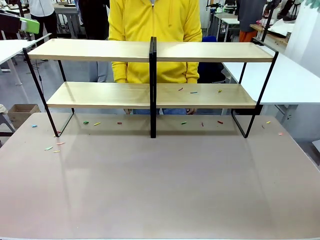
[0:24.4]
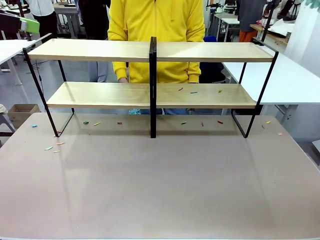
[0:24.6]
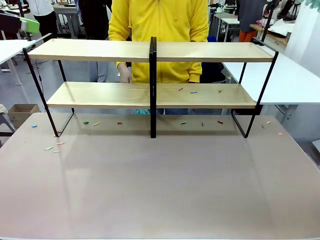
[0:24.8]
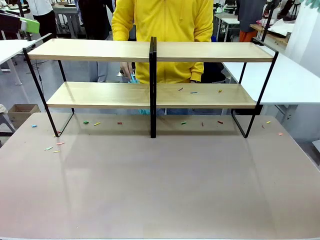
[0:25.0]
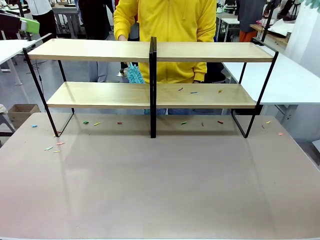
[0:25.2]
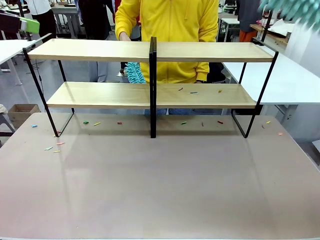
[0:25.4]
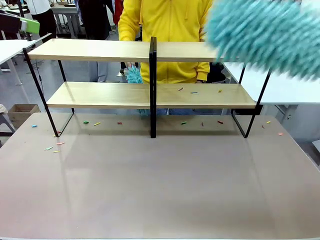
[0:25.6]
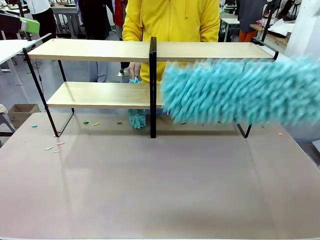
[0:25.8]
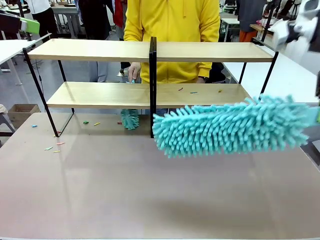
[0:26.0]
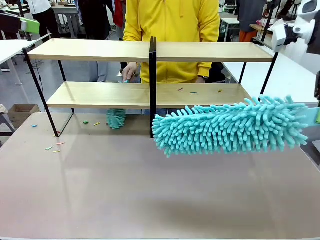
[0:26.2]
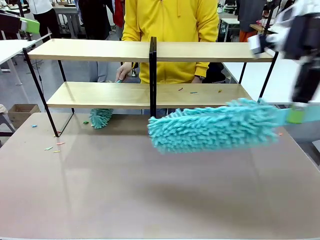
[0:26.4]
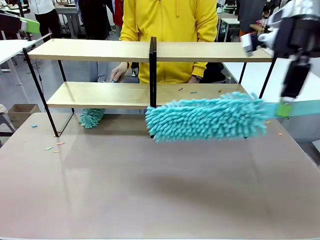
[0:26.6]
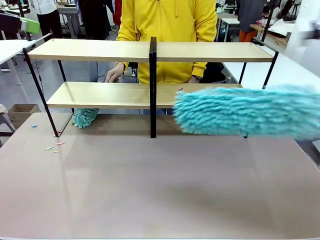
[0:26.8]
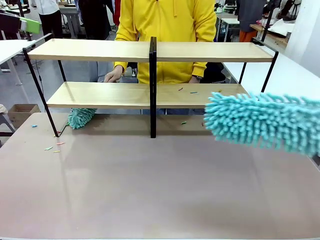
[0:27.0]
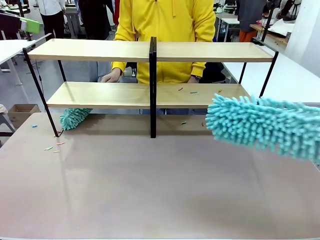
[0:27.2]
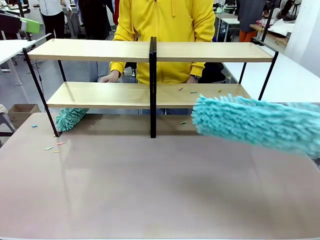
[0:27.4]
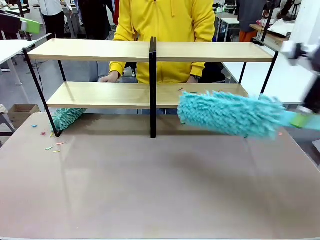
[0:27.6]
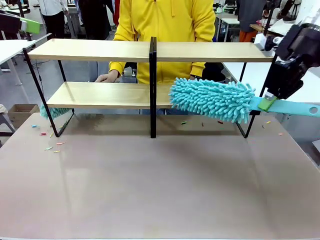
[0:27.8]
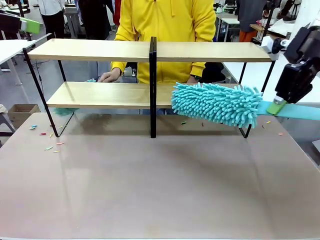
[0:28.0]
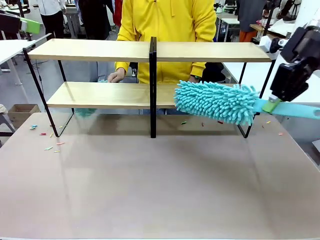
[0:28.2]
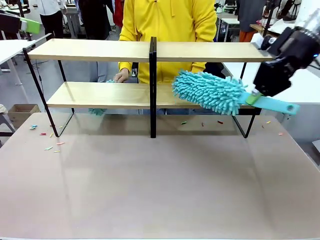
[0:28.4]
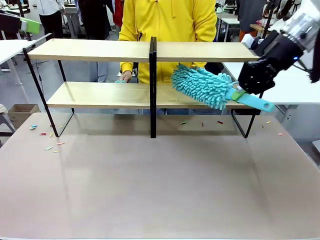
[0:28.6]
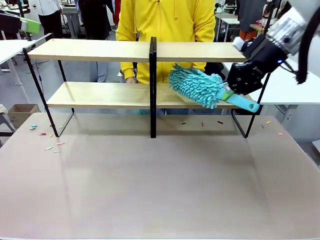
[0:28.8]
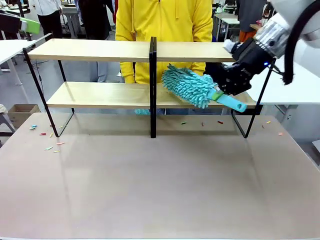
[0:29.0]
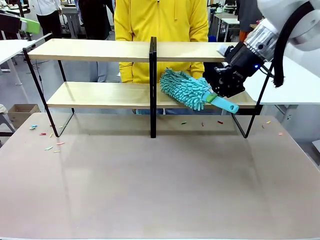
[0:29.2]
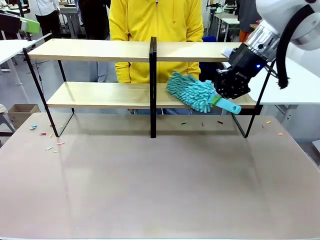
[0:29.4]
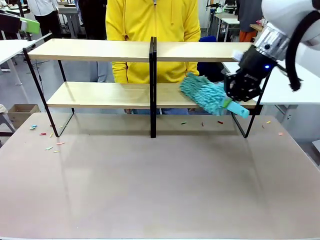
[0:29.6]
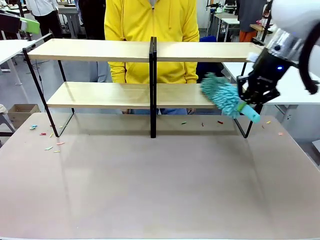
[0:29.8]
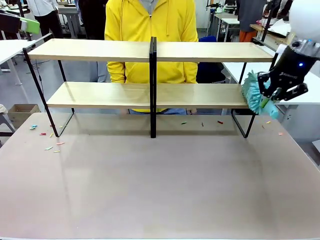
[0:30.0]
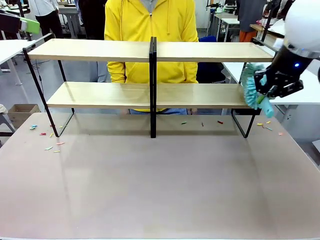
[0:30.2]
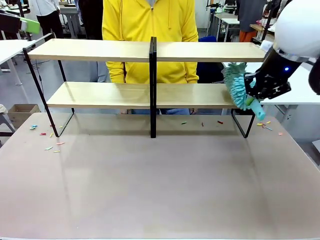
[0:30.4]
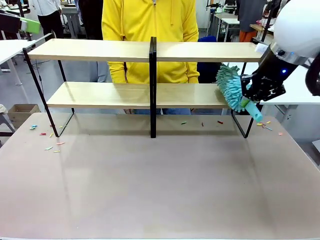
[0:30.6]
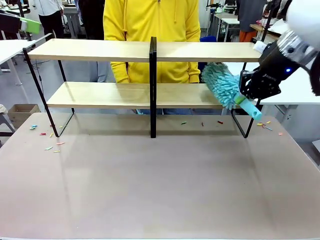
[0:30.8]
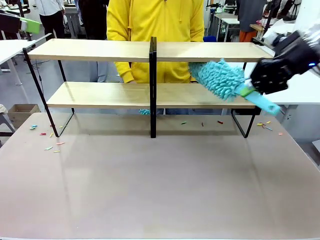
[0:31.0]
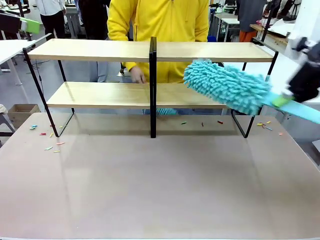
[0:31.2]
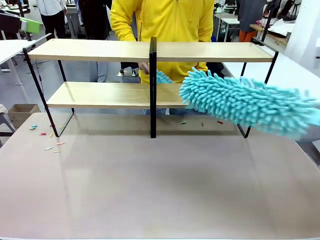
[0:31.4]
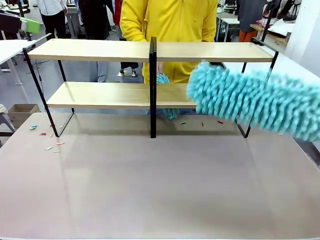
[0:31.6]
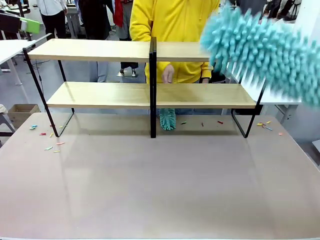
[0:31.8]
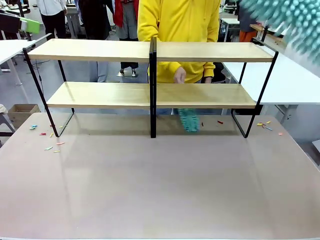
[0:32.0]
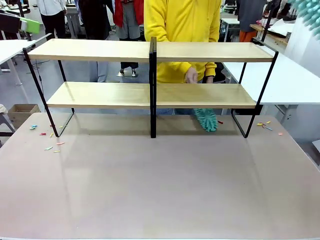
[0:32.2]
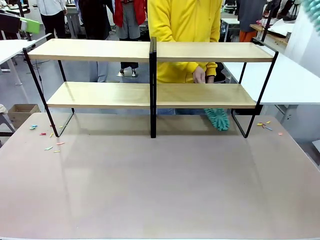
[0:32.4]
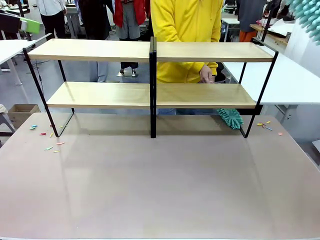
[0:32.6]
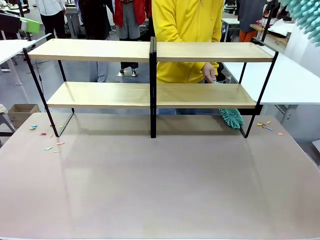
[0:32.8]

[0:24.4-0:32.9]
Task: Clean the shelves.
Robot: Clean another randomly selected level of the Shelf with the Duster.

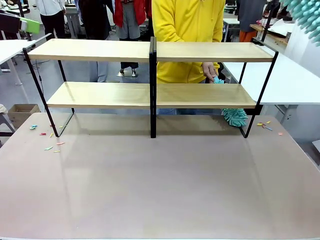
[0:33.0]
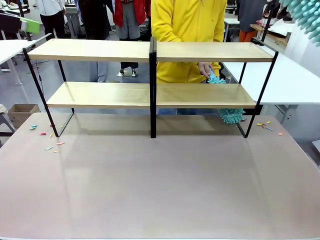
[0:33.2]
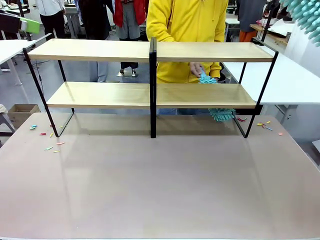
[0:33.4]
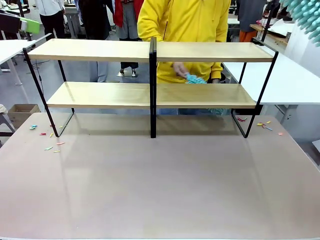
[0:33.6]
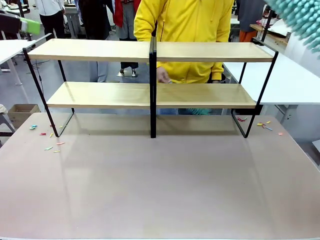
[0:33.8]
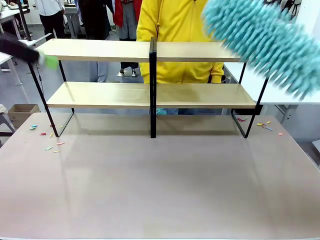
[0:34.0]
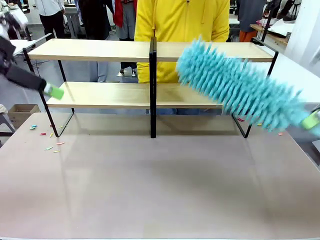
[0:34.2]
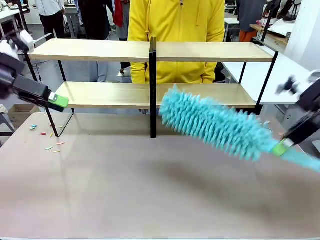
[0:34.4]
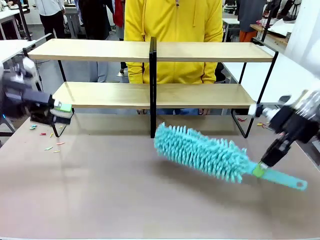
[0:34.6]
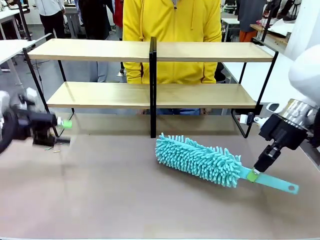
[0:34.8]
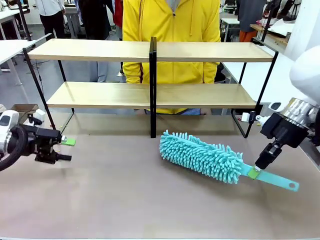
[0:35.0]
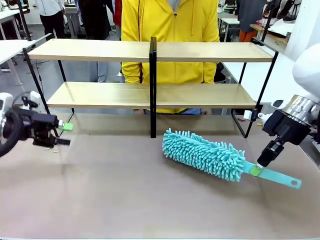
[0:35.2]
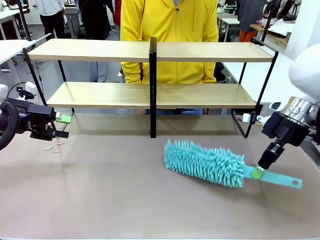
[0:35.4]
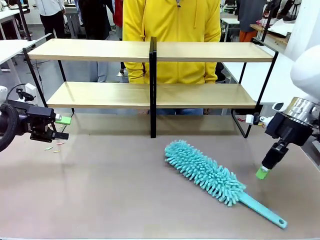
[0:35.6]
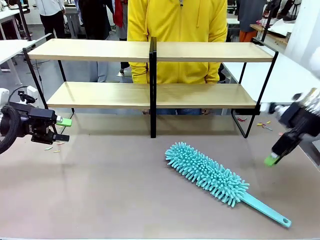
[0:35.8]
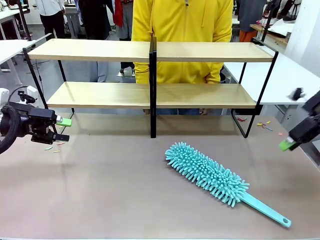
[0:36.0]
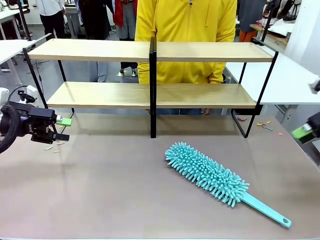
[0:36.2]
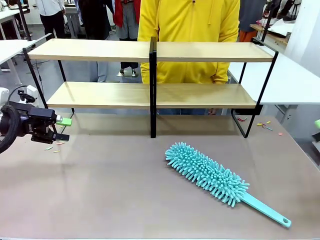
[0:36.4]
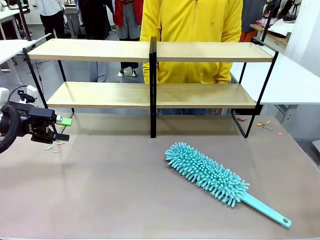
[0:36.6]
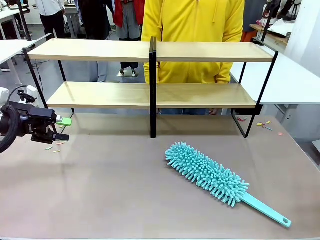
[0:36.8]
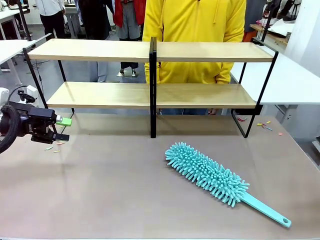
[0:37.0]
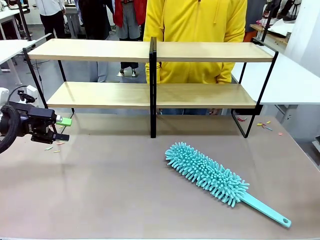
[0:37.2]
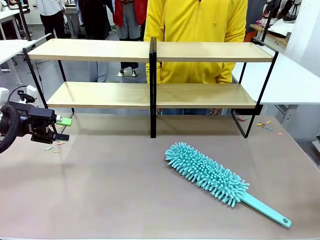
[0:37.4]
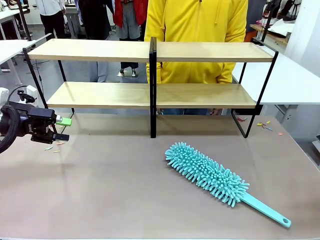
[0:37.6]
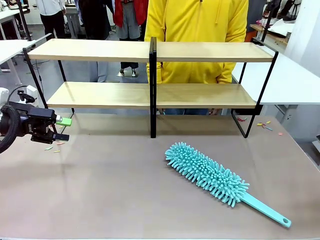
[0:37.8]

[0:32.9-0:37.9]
Robot: Place the Duster on the table.

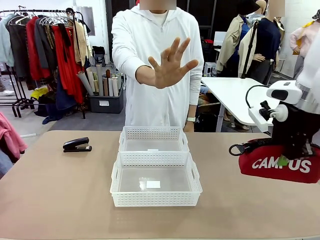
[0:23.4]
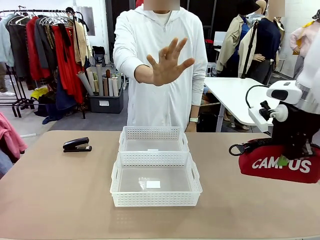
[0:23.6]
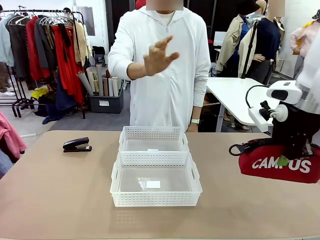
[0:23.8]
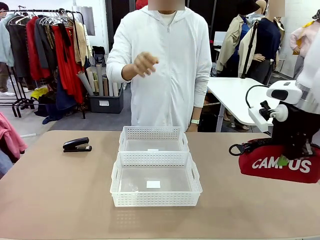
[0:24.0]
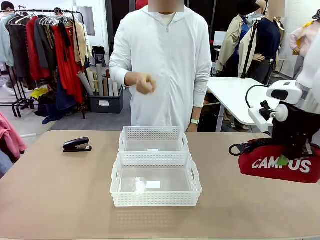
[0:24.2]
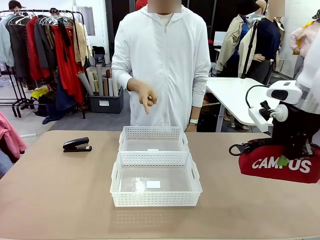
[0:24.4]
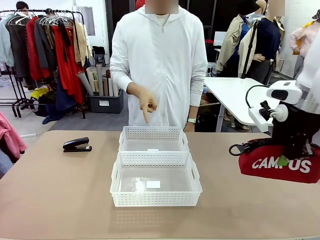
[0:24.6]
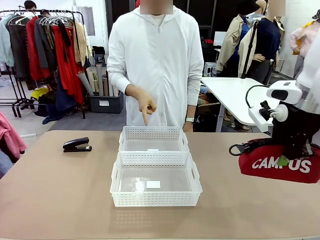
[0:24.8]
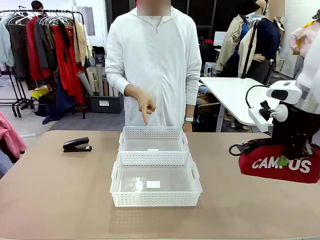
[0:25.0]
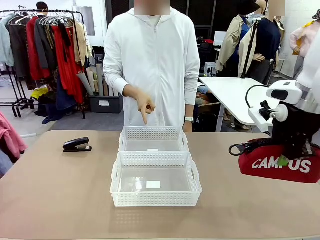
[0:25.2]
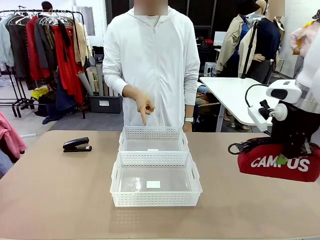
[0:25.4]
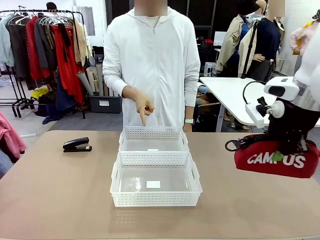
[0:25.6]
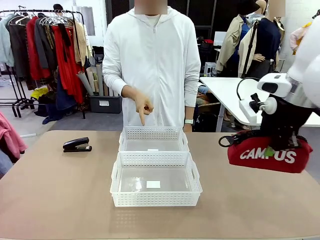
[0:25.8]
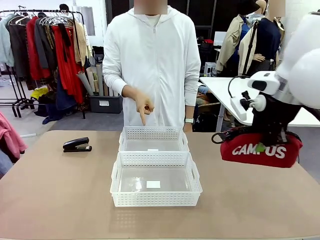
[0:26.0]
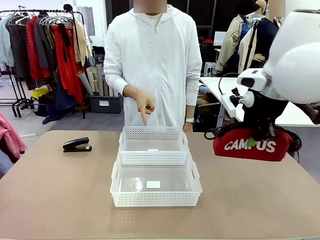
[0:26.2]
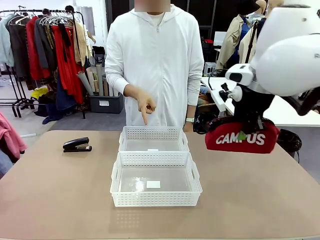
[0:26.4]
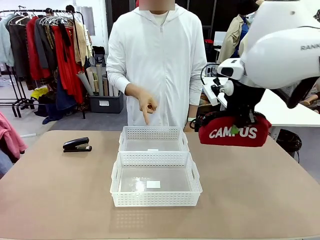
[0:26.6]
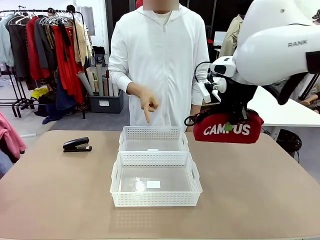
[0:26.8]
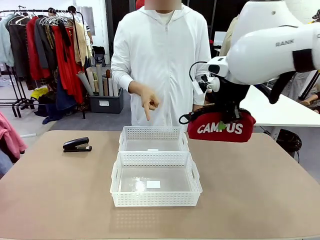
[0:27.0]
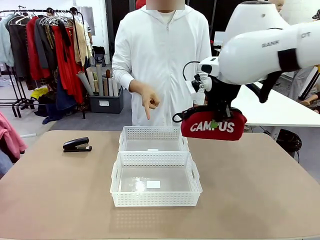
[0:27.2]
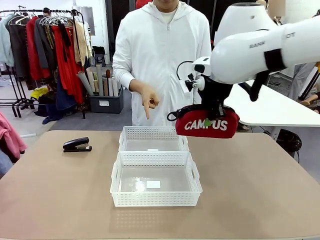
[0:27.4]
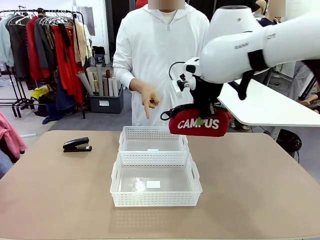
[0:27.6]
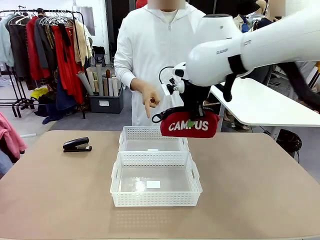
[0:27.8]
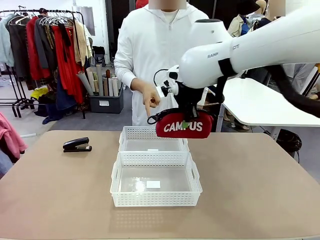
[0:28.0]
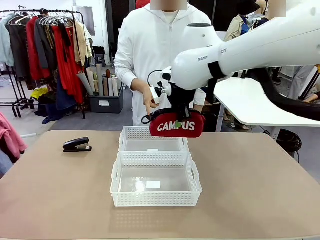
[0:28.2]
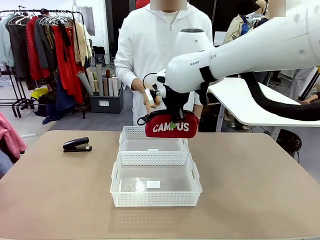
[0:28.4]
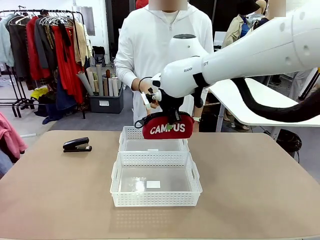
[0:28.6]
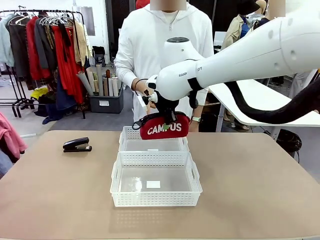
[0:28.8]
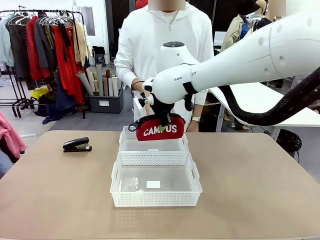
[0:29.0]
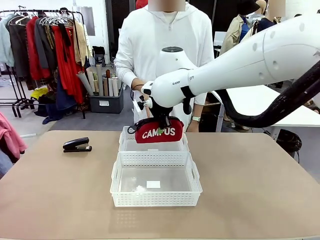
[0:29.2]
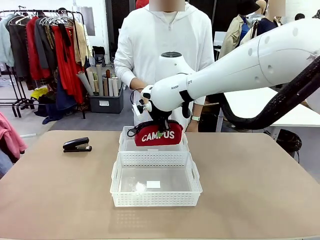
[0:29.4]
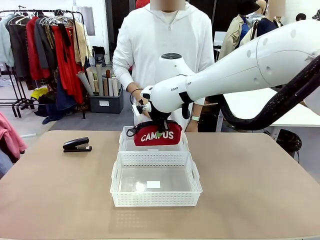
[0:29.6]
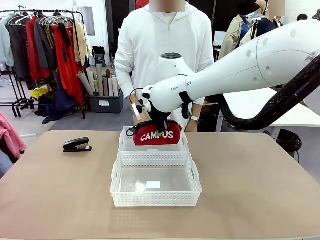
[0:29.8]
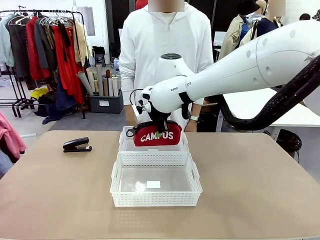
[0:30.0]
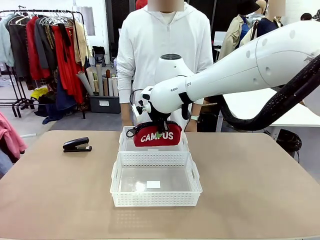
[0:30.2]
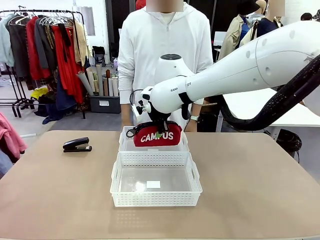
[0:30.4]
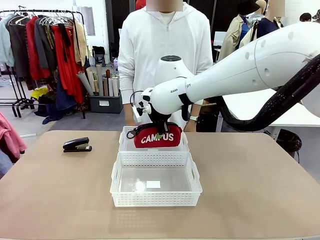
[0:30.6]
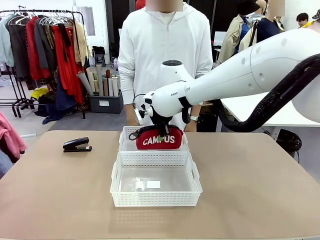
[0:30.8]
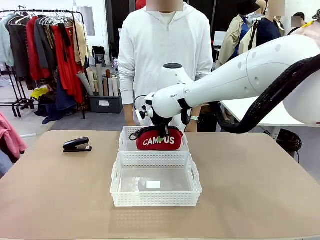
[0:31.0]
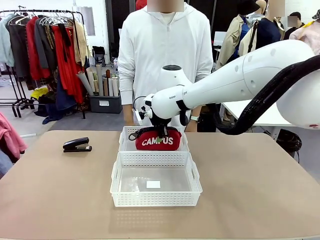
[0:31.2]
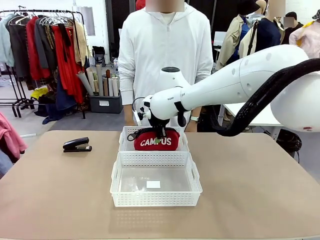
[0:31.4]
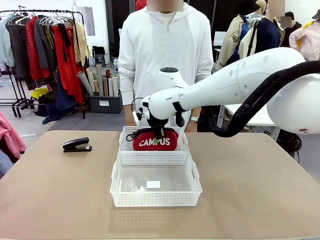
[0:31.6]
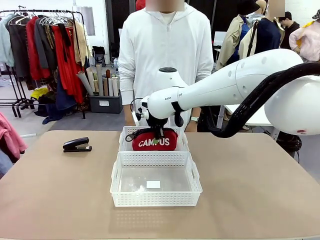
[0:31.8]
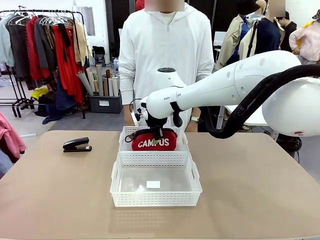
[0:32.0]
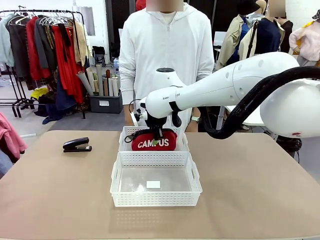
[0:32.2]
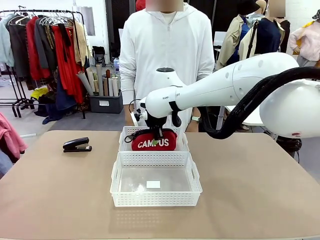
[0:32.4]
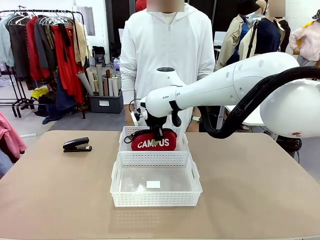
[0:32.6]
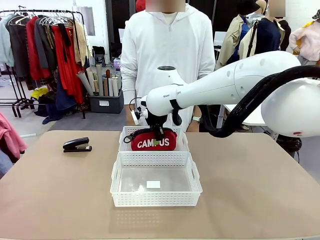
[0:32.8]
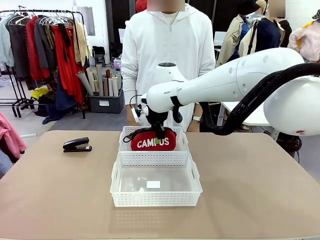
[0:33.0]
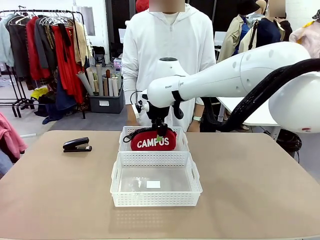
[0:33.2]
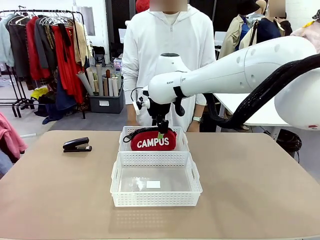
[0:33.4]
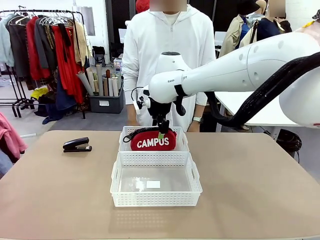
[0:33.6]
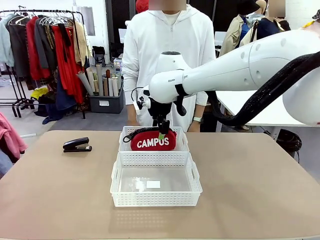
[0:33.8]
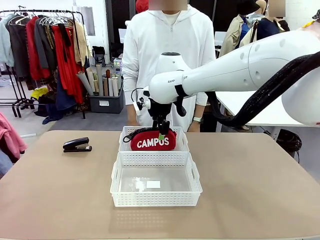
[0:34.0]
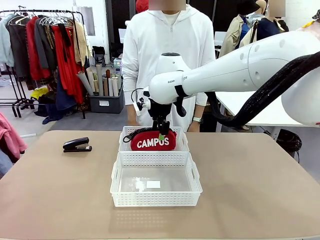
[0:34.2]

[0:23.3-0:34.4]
Task: Distribute items into two baskets.
Robot: Place the picked Pencil pouch into the Organizing basket as instructed by the person.
Person: Instructs the robot to place the pencil case into the opposite basket. Points to the stapler.
